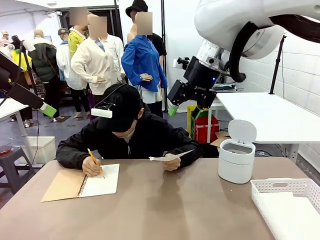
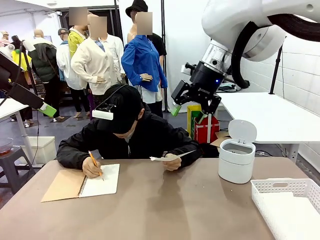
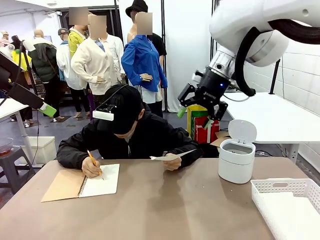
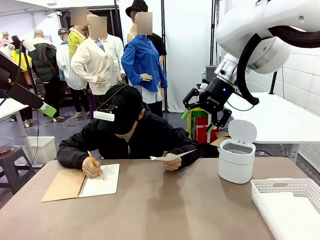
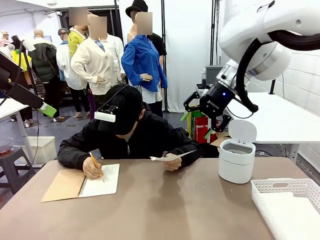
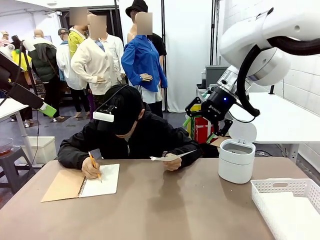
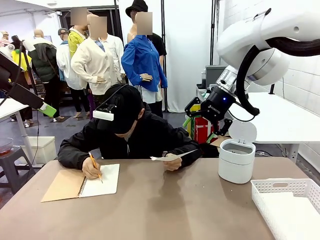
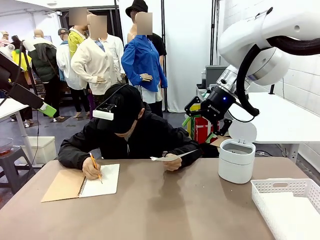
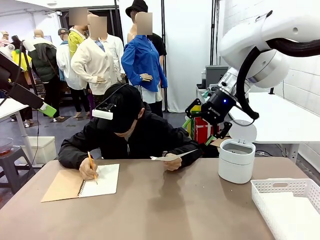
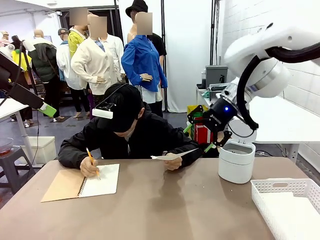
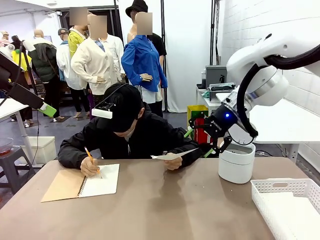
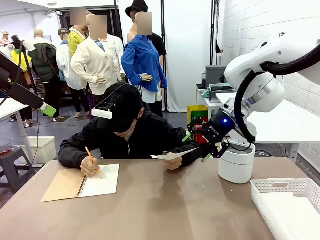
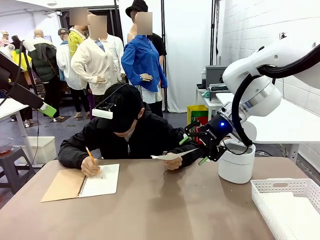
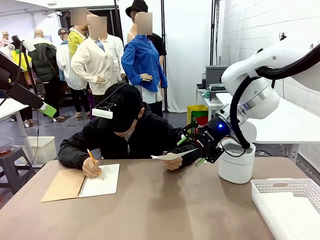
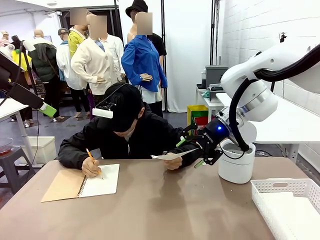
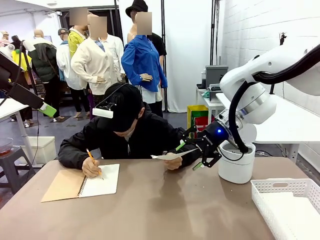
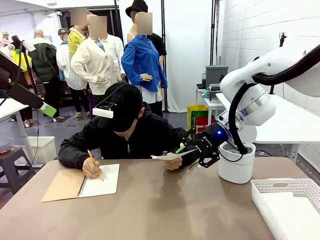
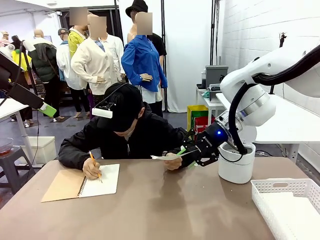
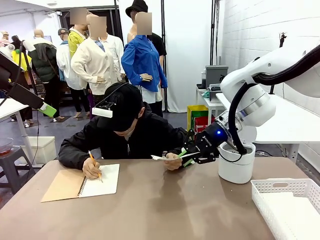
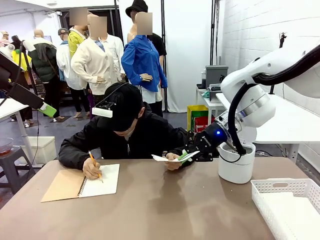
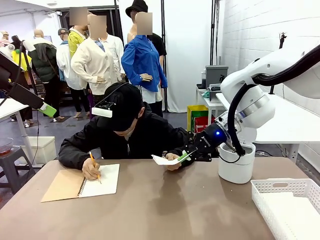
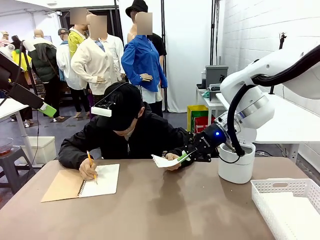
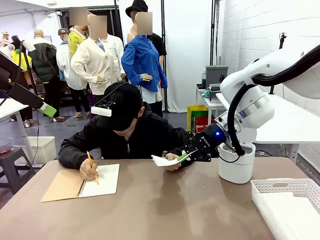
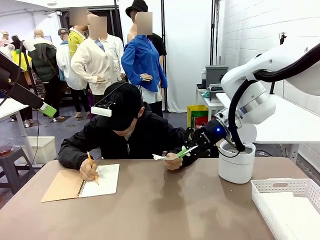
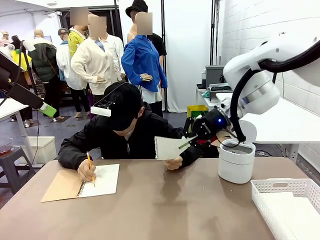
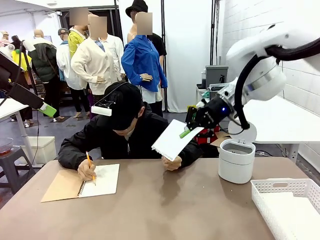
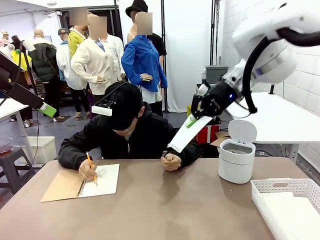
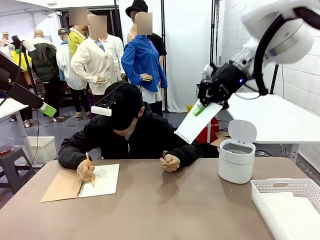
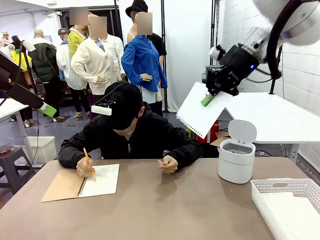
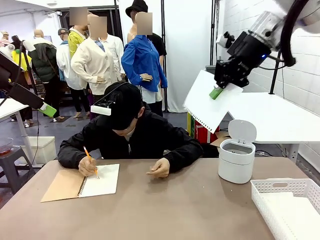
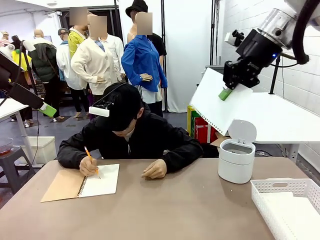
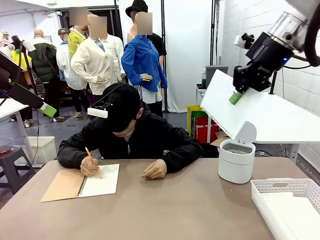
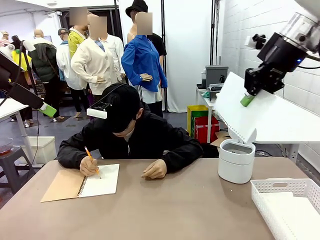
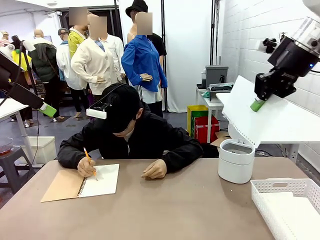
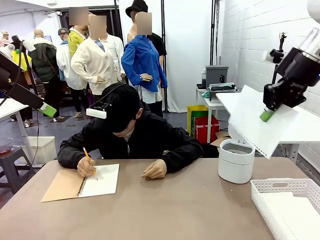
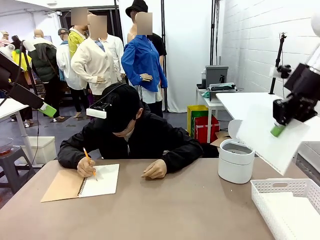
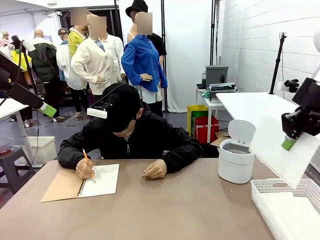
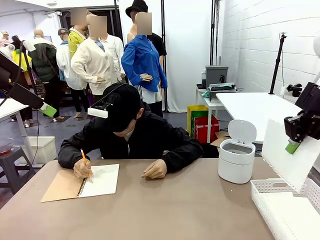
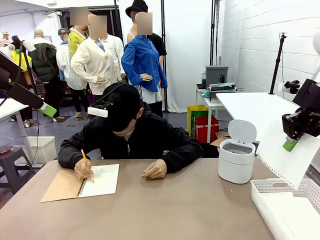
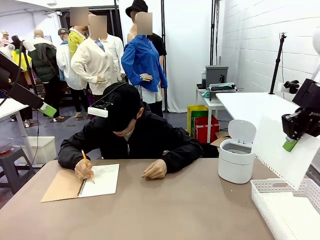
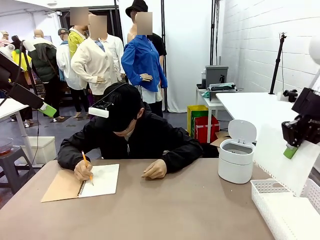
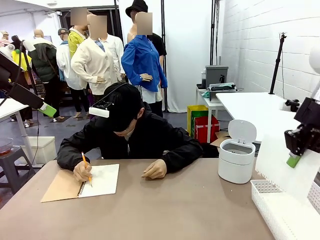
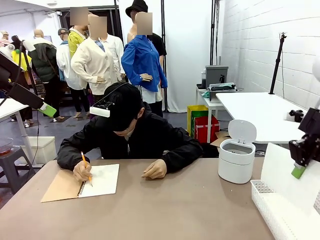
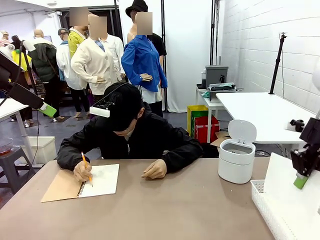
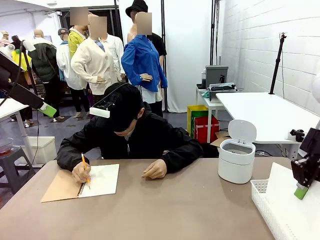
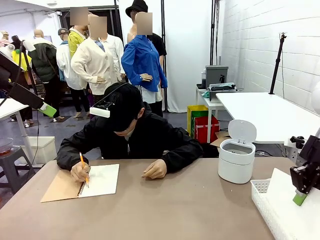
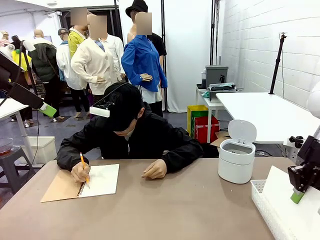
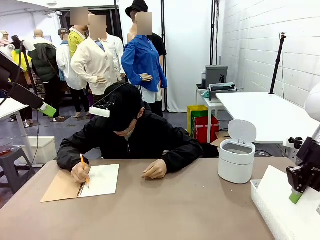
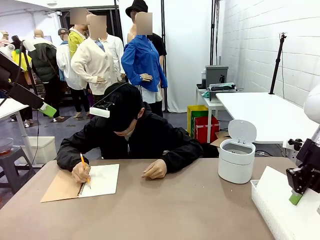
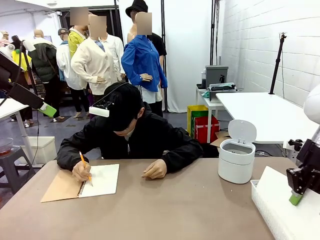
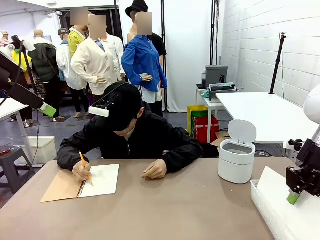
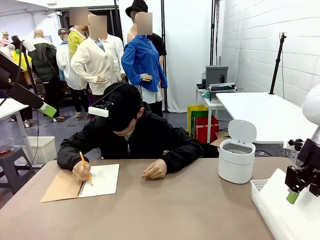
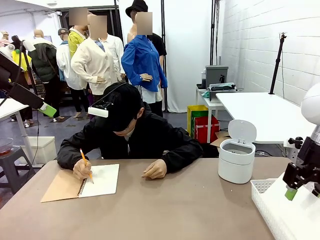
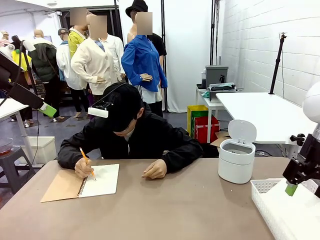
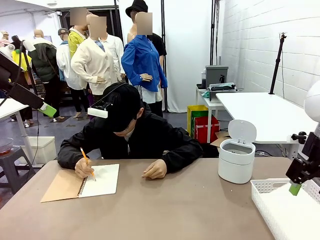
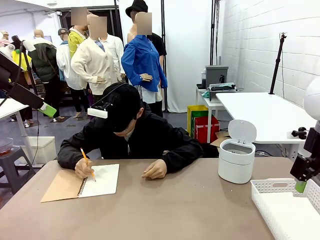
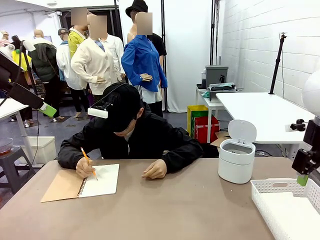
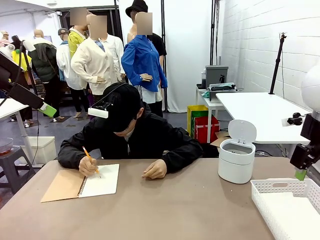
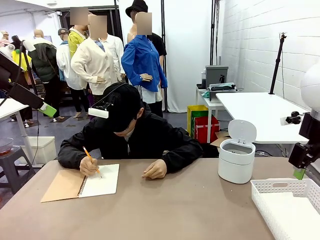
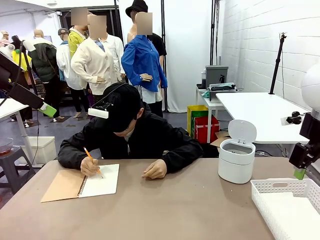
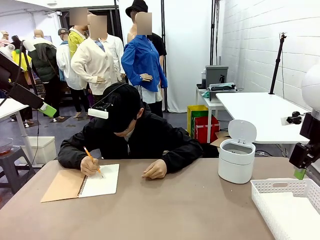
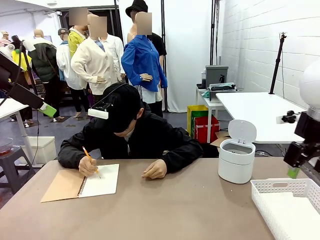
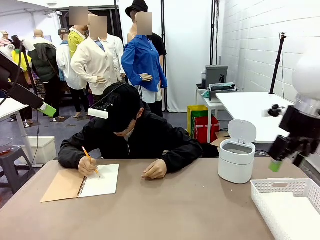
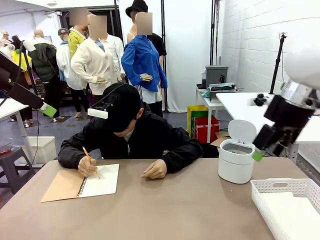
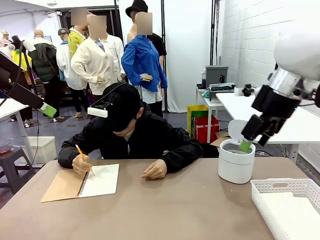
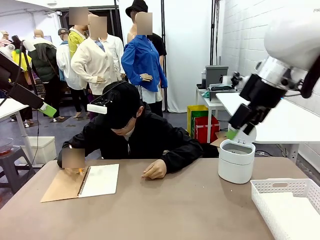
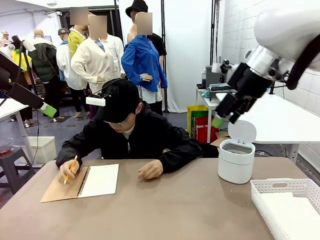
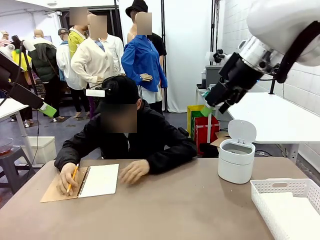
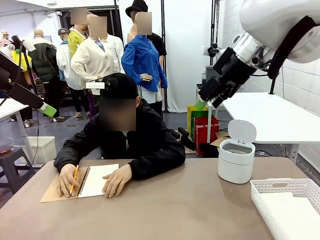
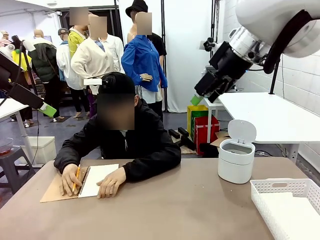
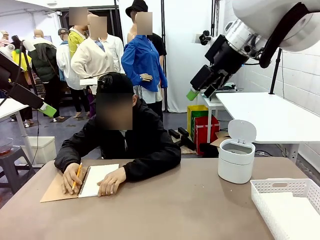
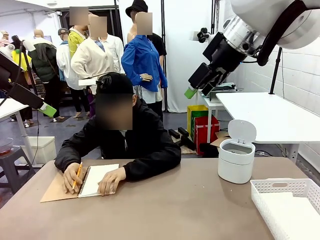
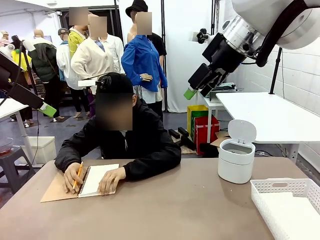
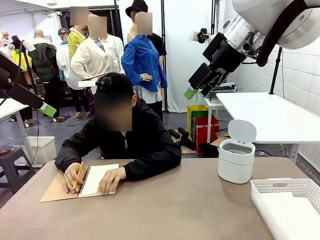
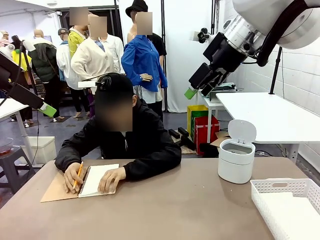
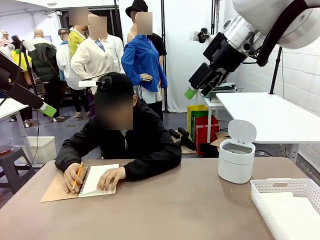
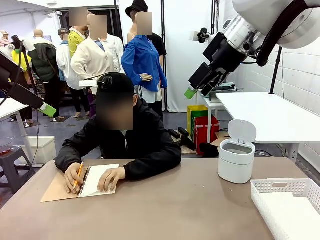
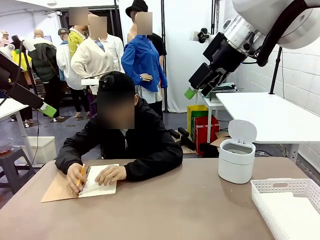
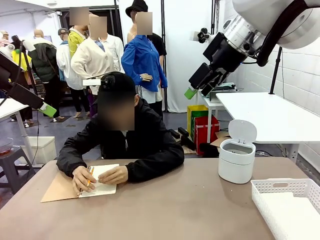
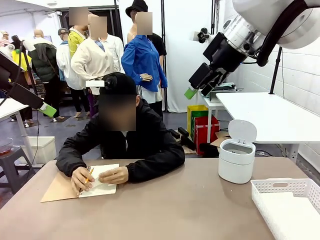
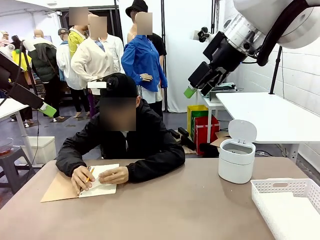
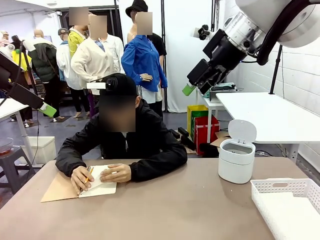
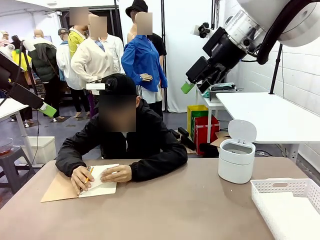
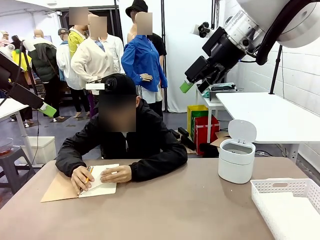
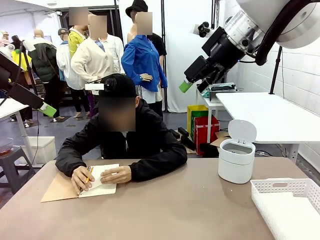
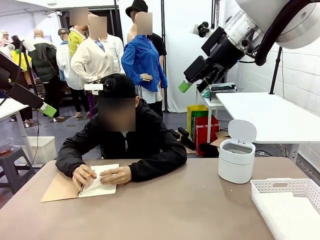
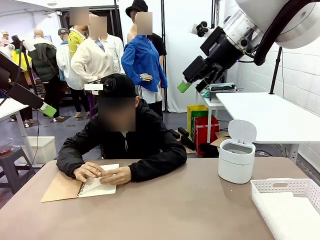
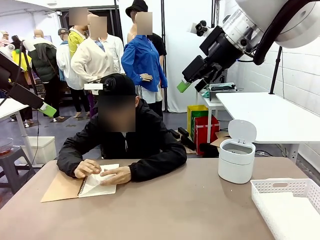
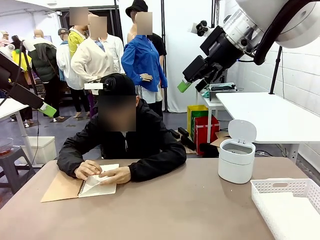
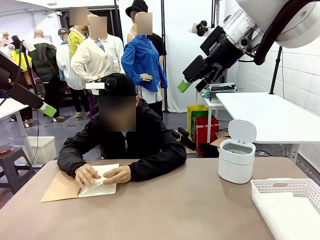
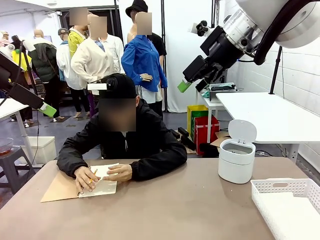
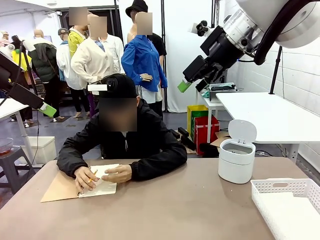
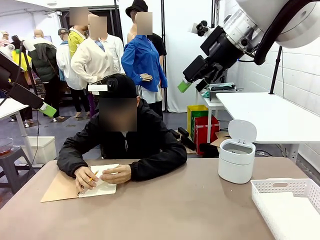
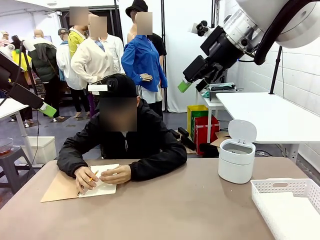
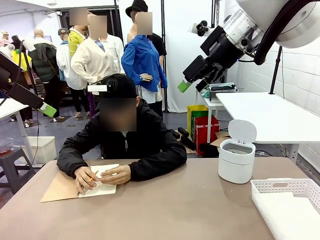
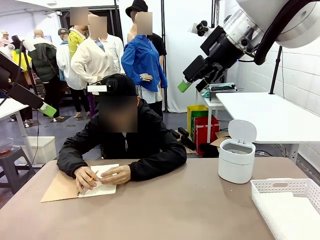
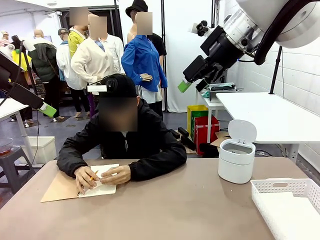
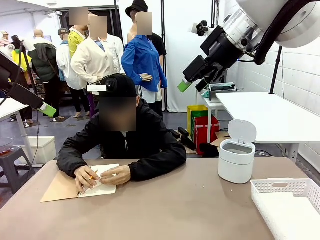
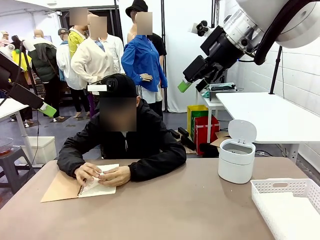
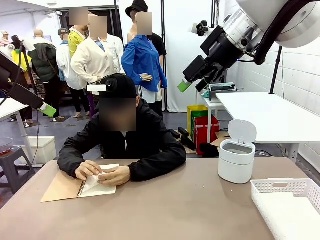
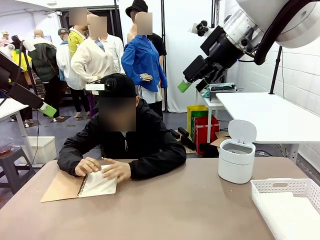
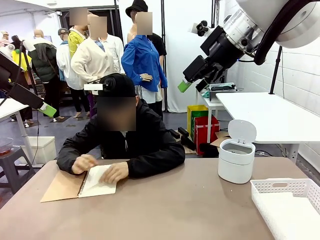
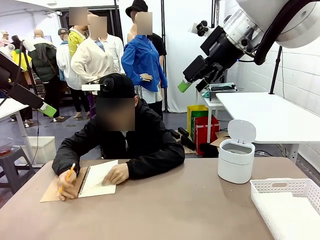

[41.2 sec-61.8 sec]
Task: Sort the paper based on its condition.
Robot: If a person hands you a paper, place it in the Organizing basket , and if it's crumpled, put it in the Trash can.
Person: Tear out a page from the spiral notebook.
